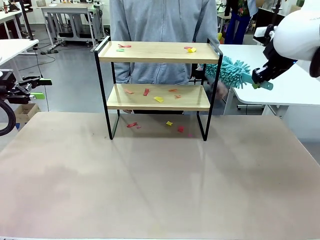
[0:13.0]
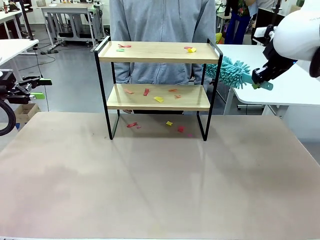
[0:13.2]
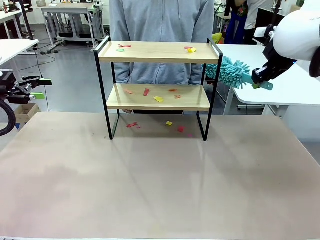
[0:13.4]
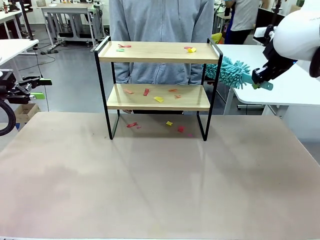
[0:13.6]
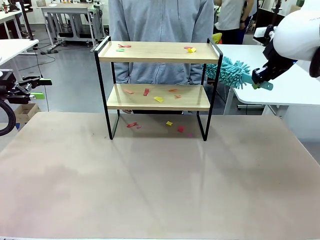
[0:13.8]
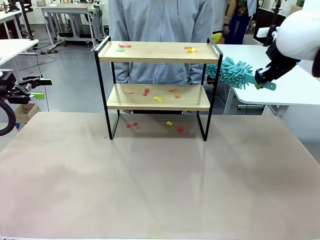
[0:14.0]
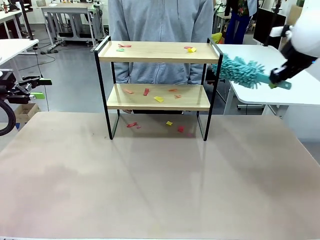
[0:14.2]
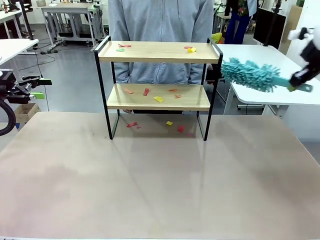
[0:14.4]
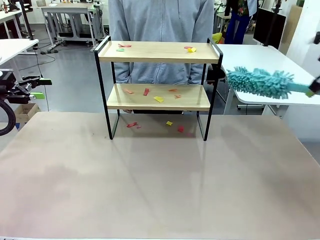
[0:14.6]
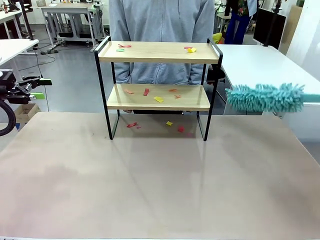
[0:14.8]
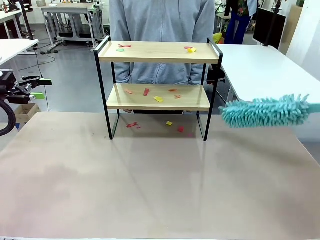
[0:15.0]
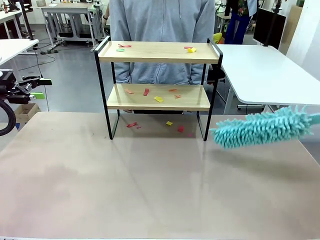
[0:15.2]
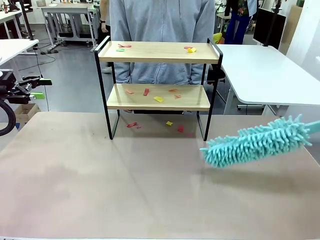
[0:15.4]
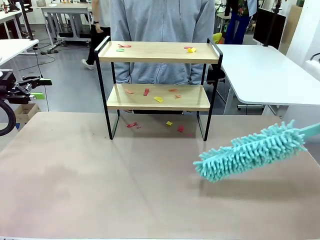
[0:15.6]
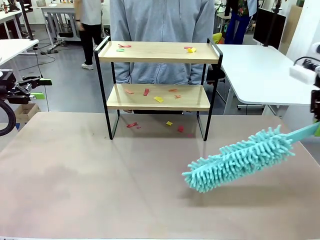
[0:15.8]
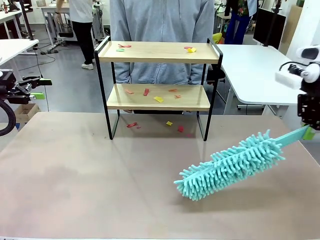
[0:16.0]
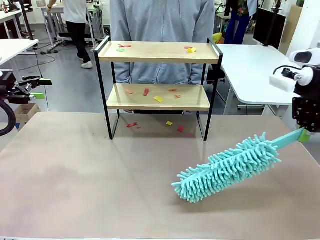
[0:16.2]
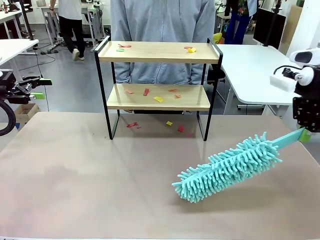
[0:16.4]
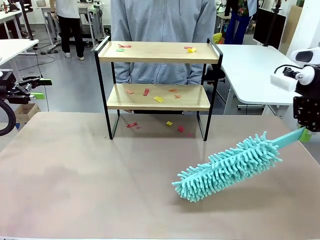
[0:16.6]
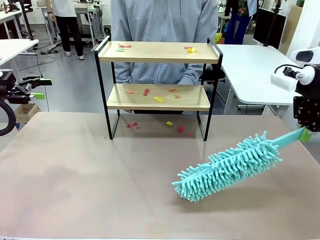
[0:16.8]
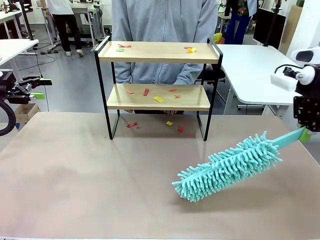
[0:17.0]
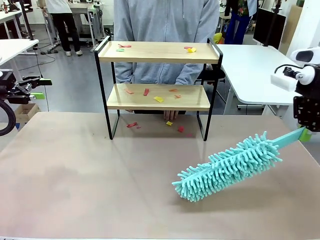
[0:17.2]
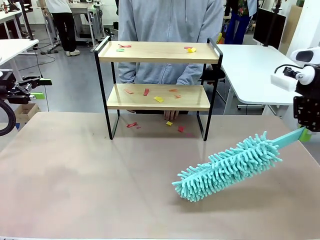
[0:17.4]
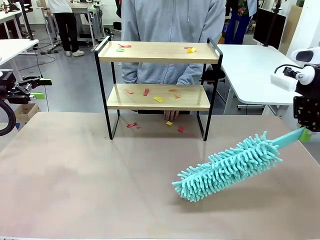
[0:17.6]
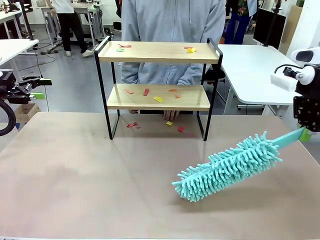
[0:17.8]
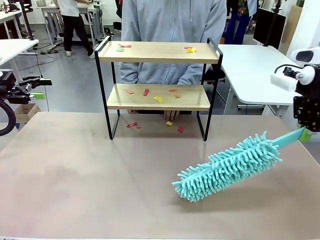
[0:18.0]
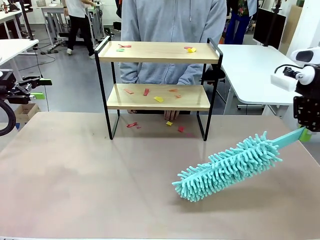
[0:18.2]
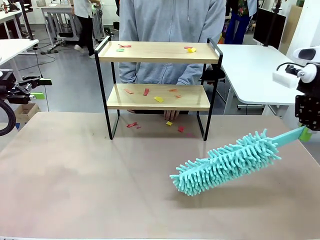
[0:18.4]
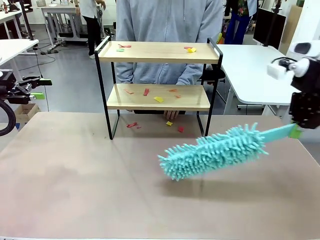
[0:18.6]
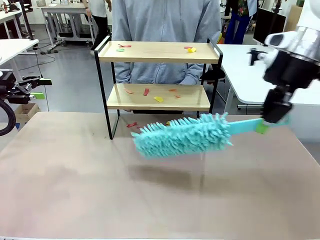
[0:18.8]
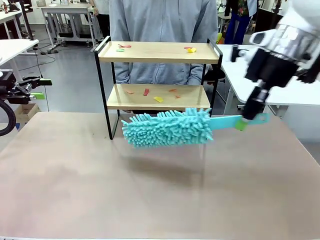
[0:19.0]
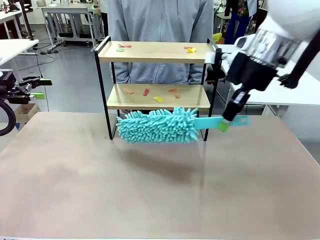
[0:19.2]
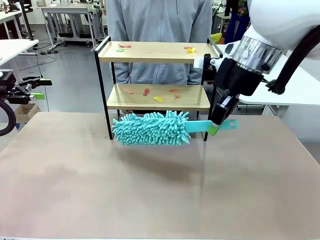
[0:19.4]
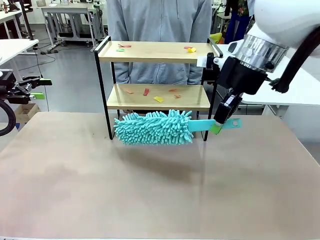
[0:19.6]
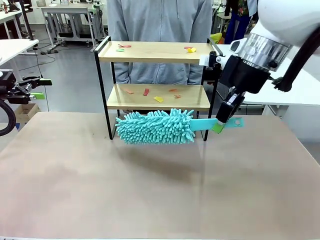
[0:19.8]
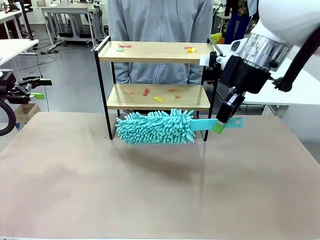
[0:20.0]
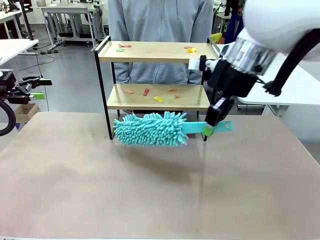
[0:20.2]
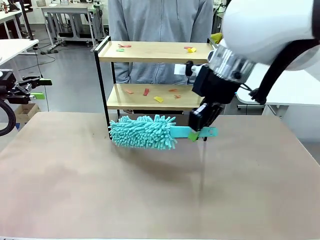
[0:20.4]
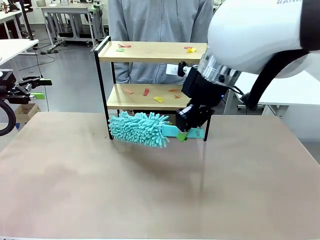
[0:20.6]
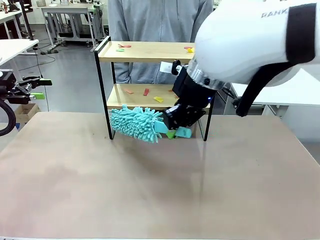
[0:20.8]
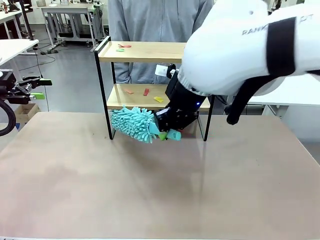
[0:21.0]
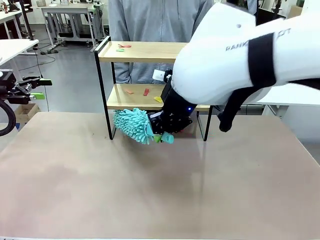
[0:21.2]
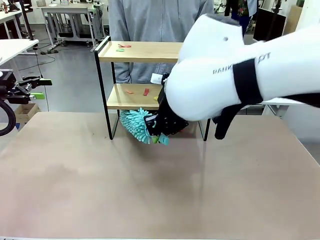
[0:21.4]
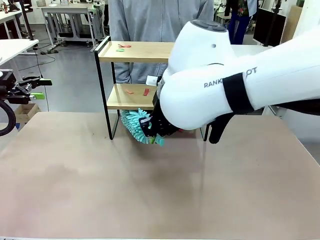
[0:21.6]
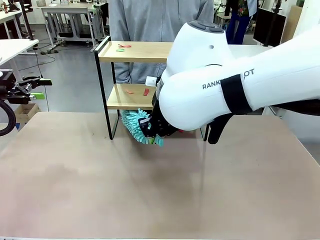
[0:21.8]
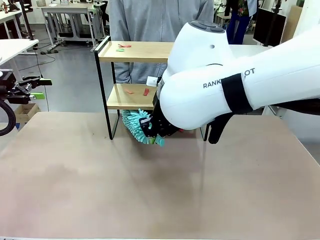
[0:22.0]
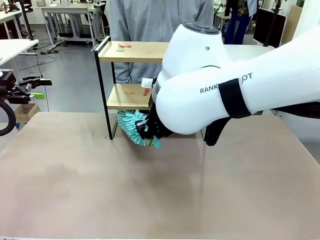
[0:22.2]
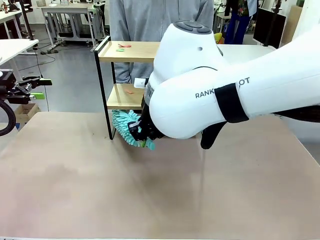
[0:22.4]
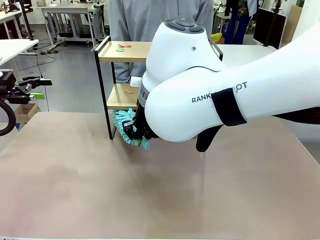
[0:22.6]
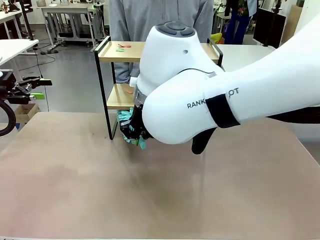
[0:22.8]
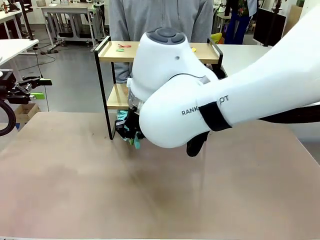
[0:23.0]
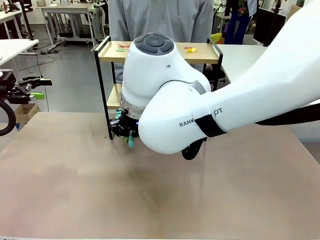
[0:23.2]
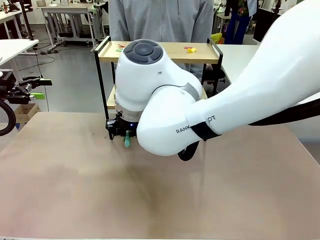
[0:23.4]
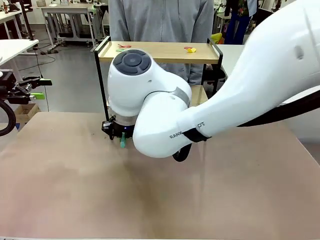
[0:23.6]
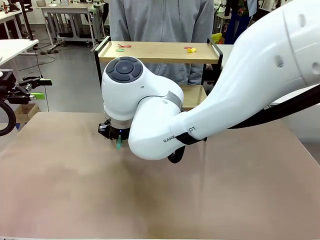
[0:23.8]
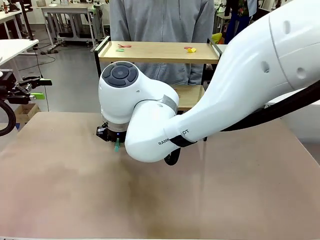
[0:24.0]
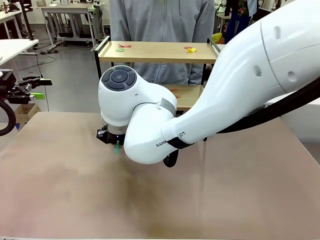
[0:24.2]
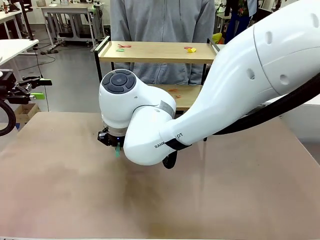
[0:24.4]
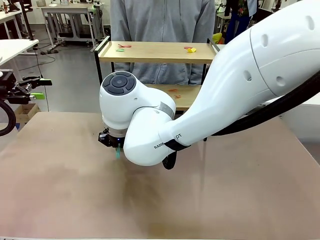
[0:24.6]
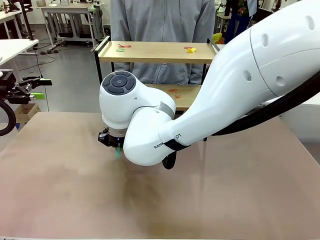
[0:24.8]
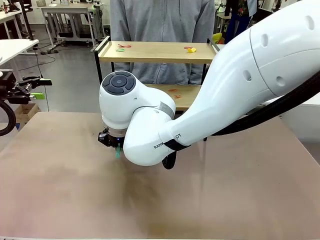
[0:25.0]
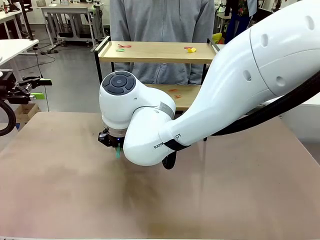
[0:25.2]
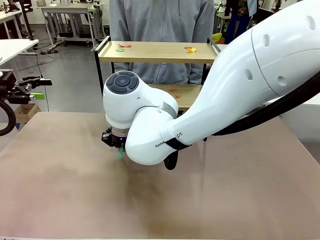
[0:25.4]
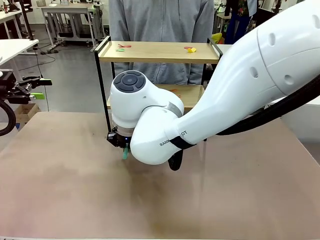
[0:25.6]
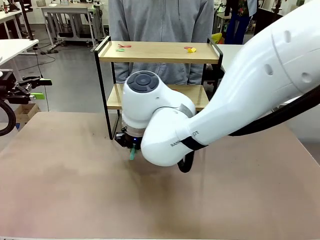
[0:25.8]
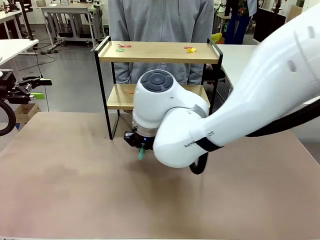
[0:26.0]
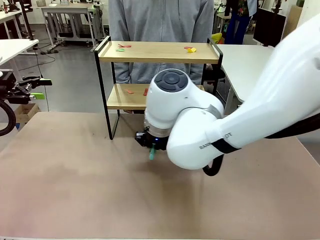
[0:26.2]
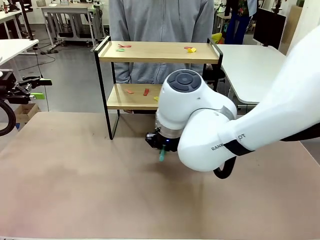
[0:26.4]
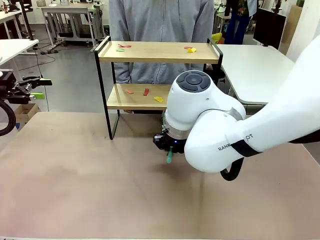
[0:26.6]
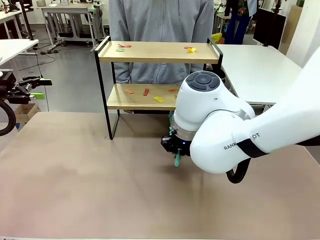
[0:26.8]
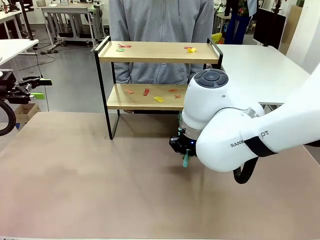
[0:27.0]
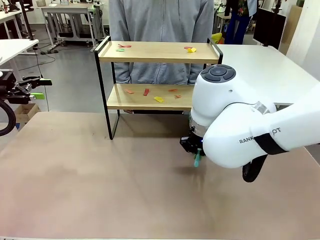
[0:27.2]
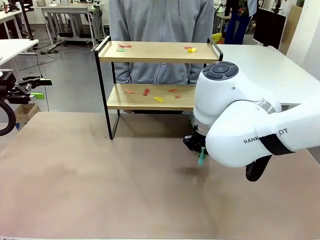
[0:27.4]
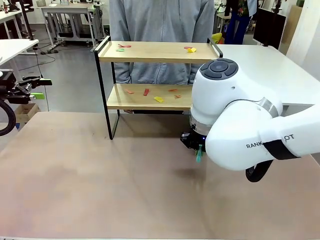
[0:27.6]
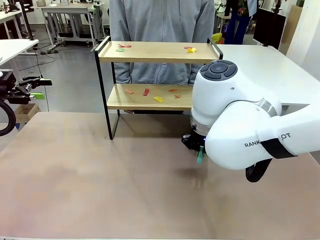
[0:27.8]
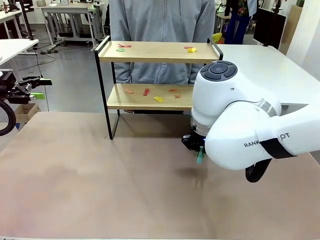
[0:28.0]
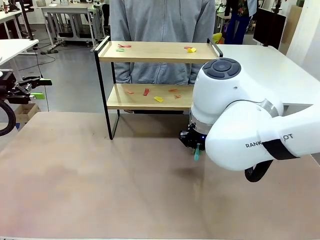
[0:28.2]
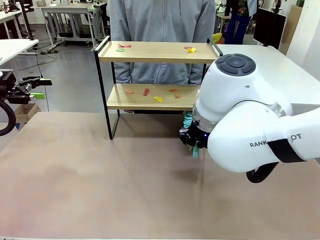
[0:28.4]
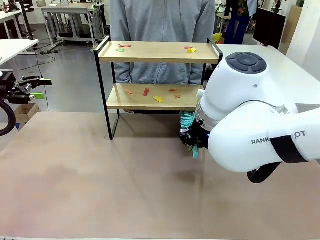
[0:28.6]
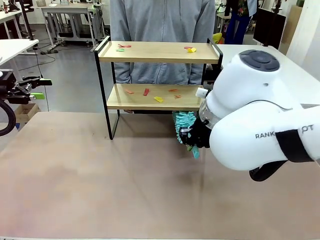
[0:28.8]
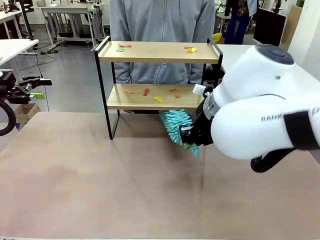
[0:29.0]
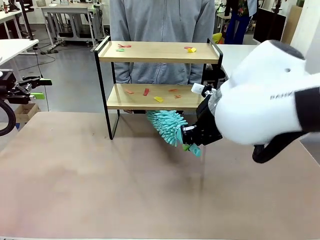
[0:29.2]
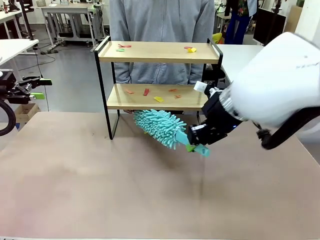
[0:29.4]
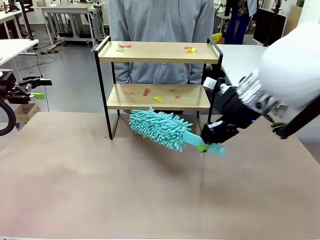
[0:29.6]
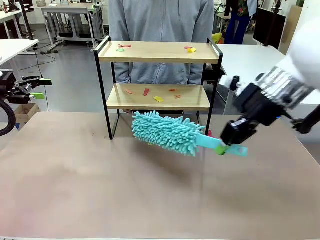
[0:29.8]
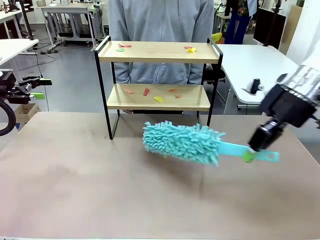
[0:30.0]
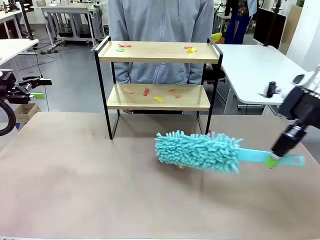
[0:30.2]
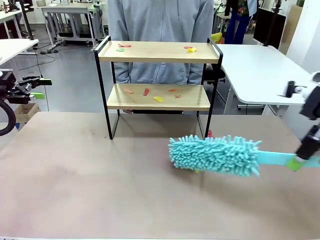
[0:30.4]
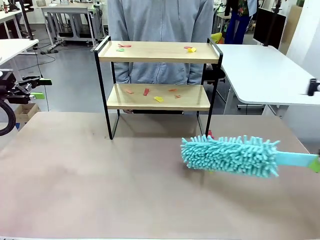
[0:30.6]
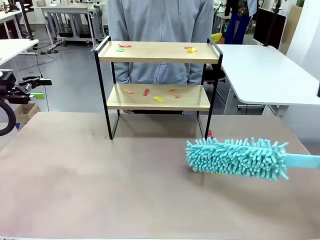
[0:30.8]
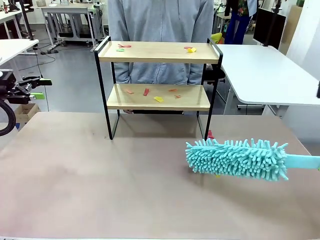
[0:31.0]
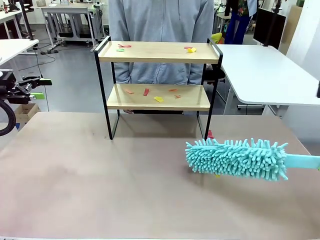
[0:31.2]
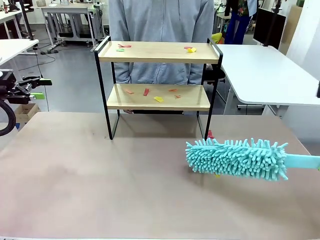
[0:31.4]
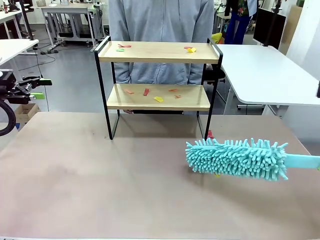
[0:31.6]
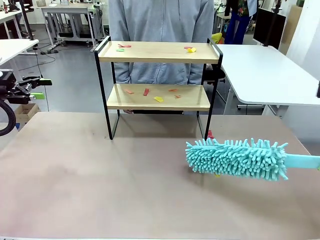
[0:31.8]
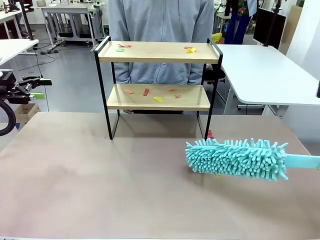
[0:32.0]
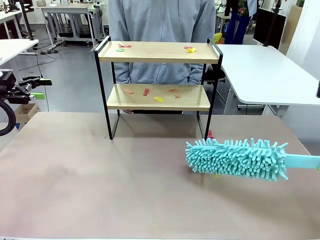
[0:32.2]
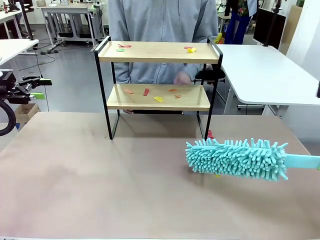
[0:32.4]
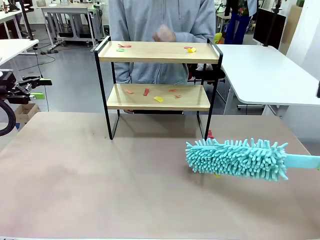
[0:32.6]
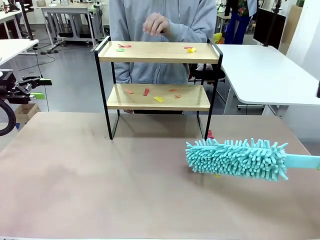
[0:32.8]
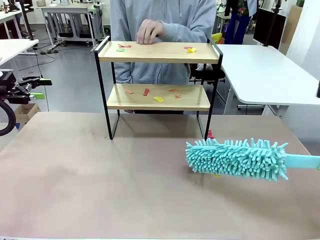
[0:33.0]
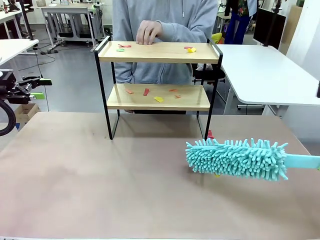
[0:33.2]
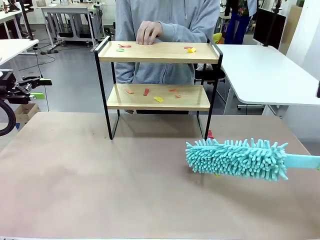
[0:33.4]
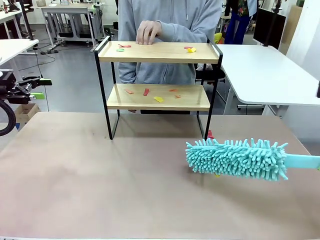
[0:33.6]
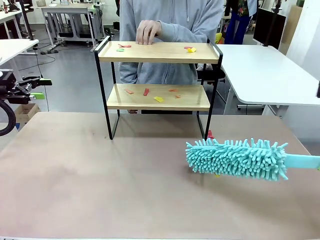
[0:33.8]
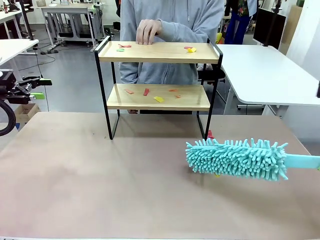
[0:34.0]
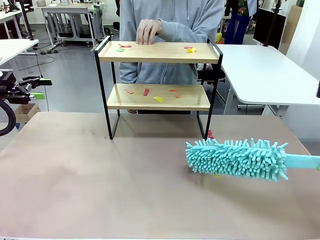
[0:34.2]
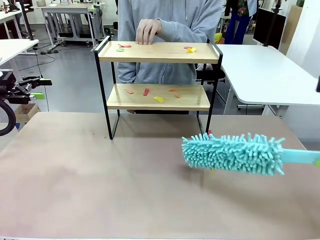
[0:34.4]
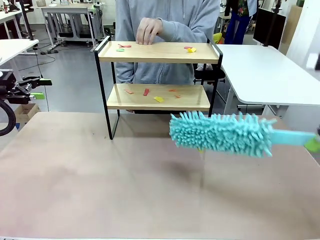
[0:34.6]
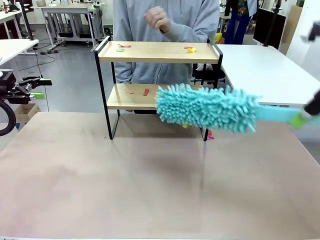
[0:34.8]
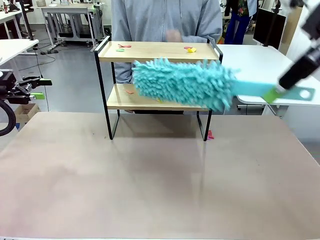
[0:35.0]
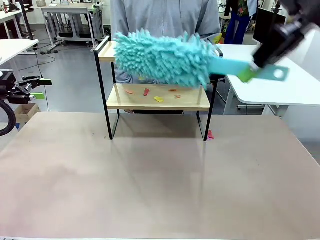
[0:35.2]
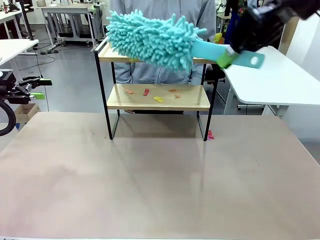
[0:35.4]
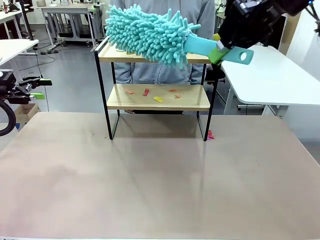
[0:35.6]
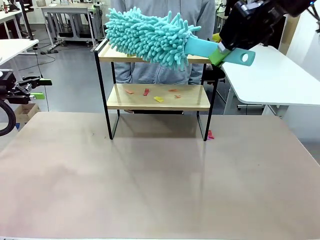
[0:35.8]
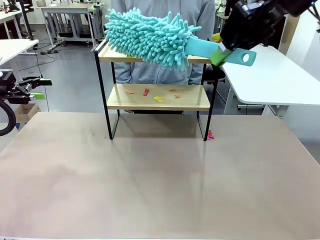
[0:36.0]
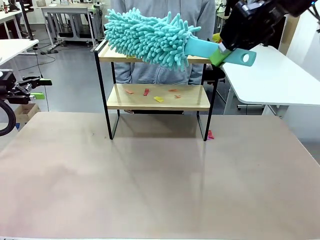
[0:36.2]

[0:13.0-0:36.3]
Task: Clean the shelf.
Robot: Clean the specific section of the Shelf indicated by the human with the Duster.
Person: Point a random section of the Shelf.
